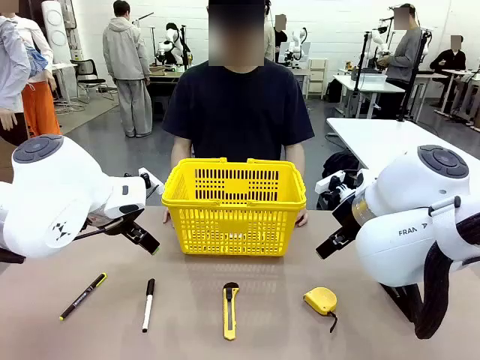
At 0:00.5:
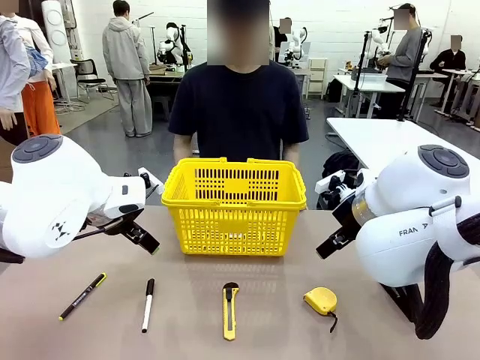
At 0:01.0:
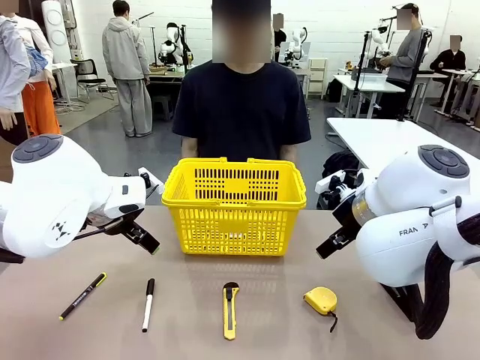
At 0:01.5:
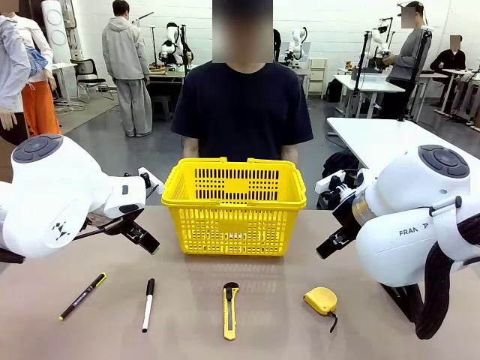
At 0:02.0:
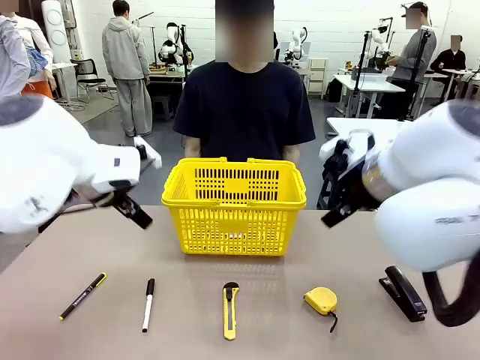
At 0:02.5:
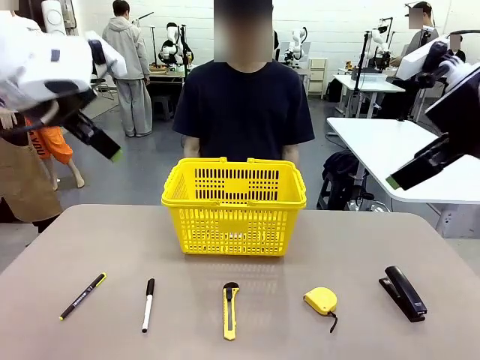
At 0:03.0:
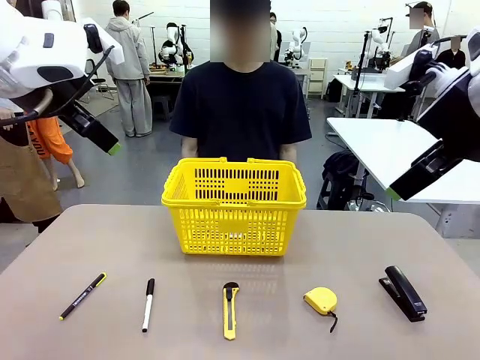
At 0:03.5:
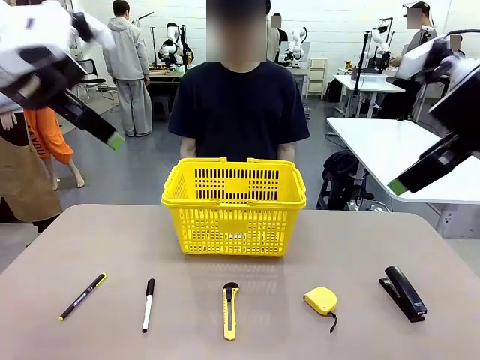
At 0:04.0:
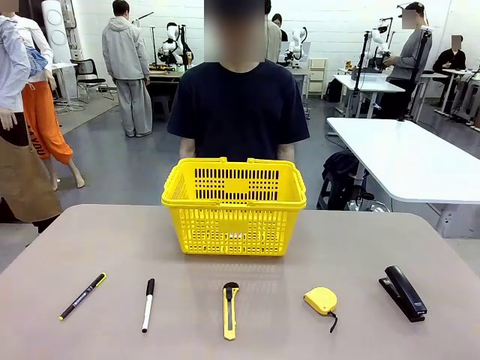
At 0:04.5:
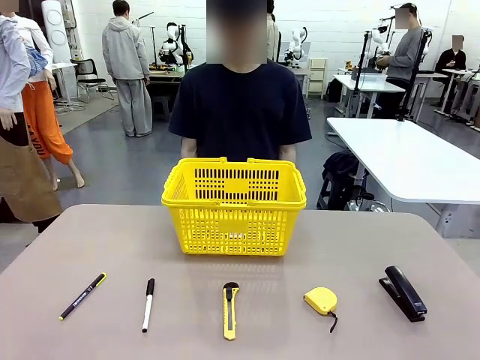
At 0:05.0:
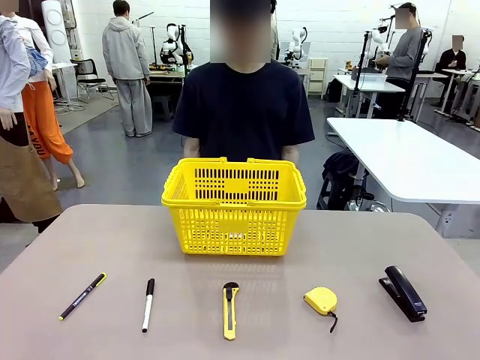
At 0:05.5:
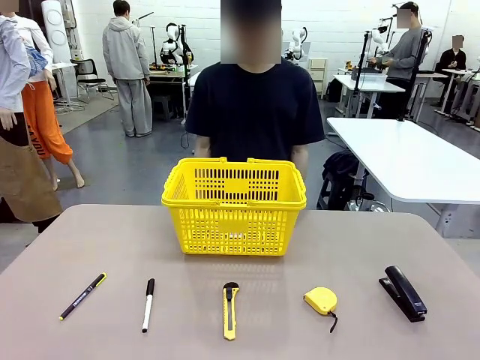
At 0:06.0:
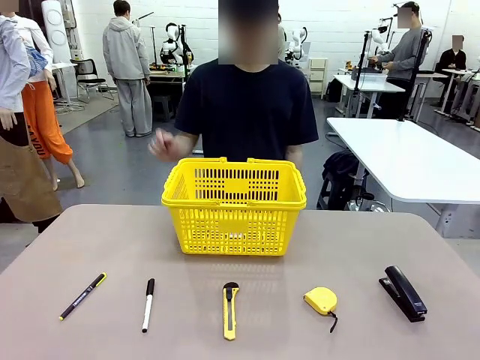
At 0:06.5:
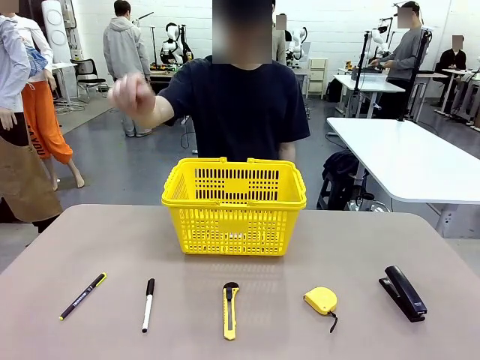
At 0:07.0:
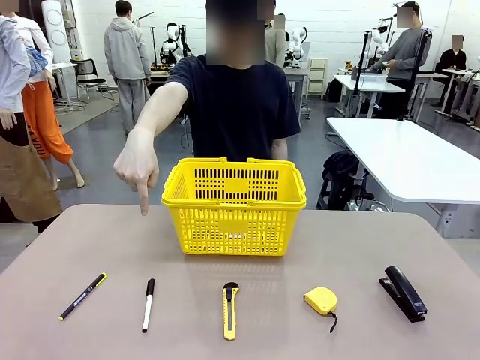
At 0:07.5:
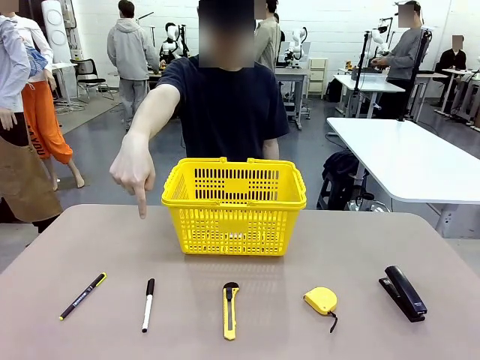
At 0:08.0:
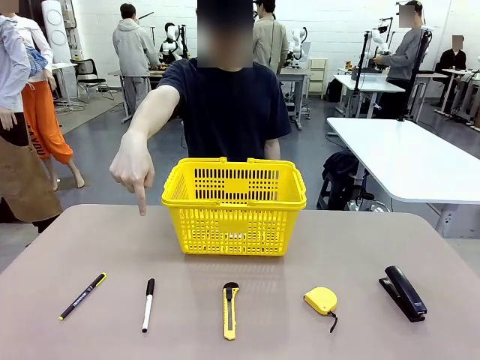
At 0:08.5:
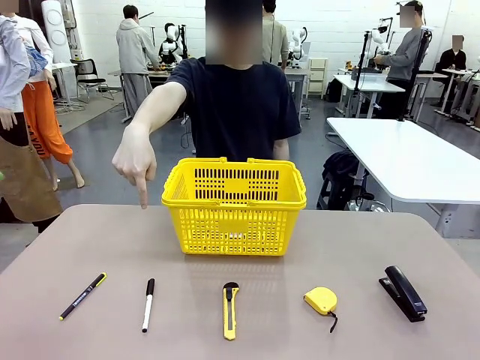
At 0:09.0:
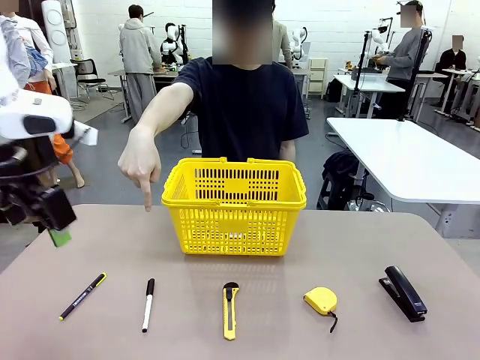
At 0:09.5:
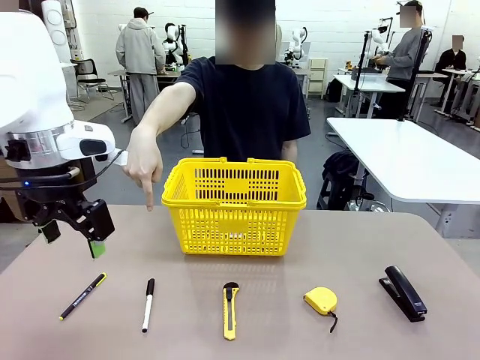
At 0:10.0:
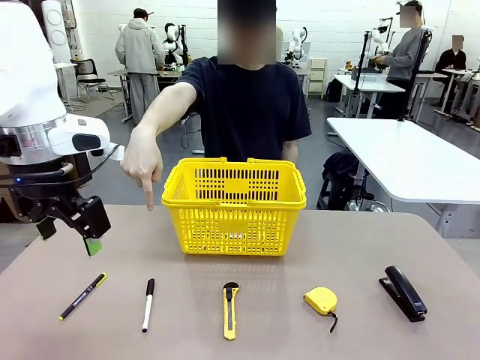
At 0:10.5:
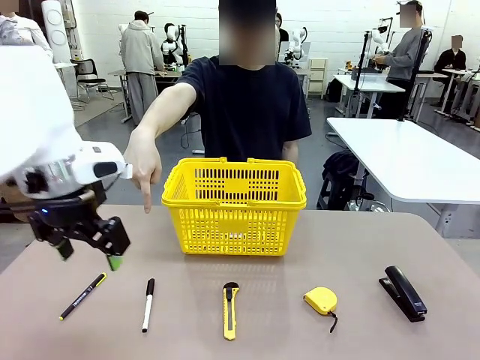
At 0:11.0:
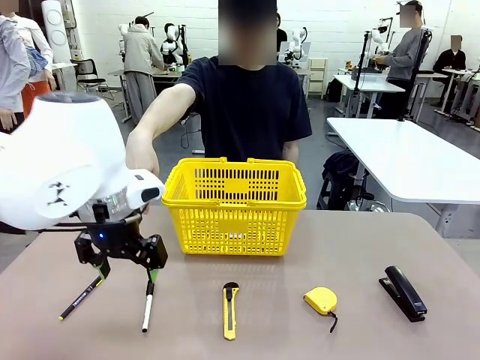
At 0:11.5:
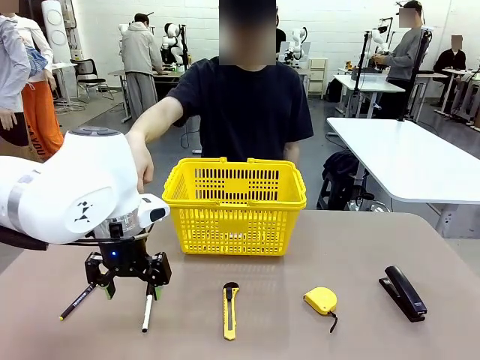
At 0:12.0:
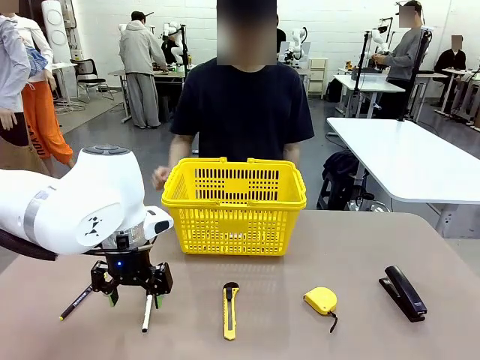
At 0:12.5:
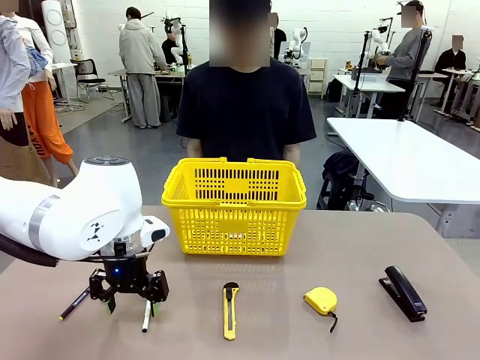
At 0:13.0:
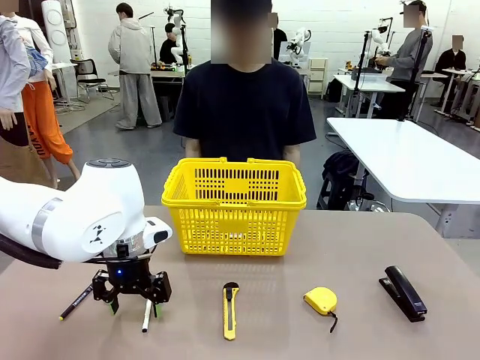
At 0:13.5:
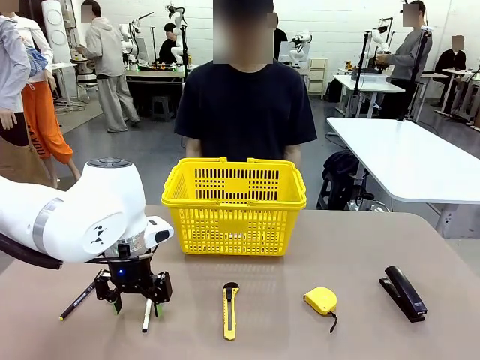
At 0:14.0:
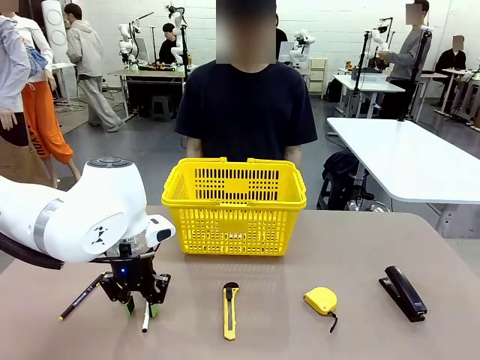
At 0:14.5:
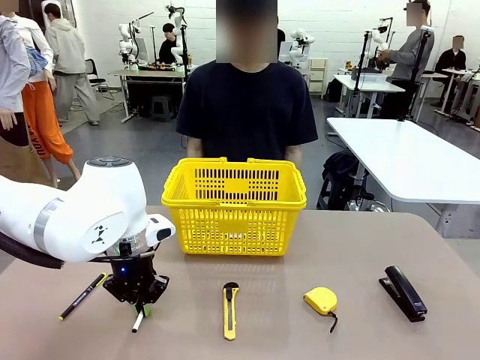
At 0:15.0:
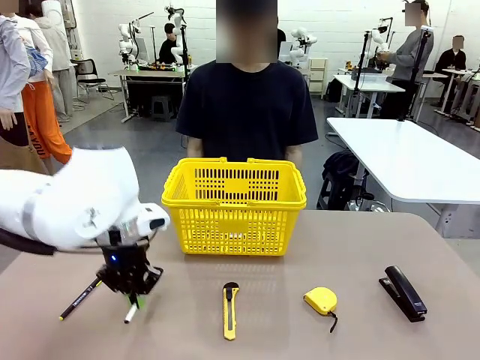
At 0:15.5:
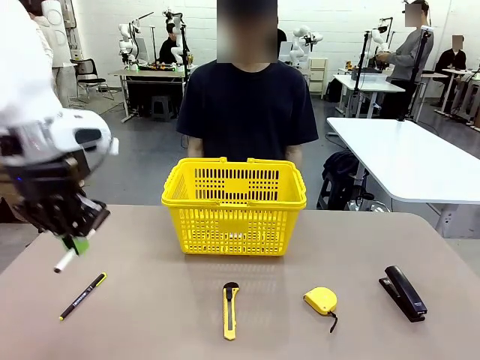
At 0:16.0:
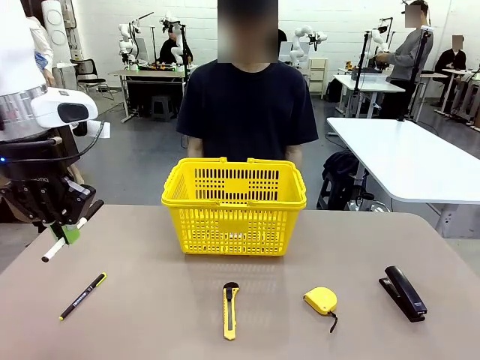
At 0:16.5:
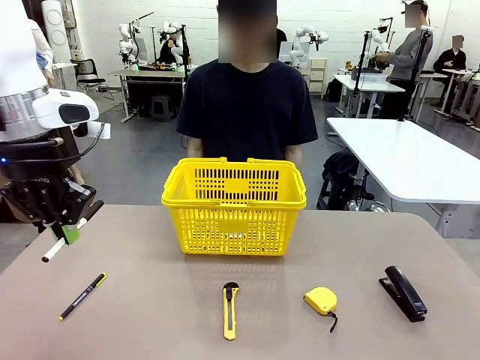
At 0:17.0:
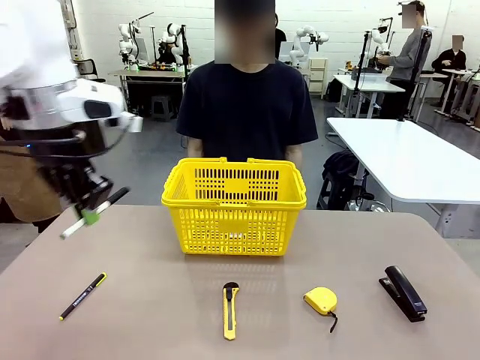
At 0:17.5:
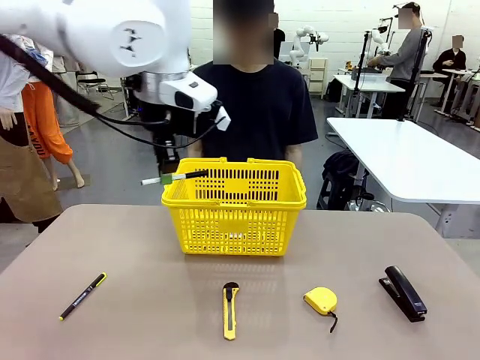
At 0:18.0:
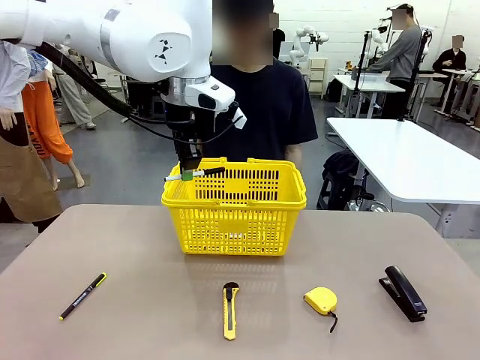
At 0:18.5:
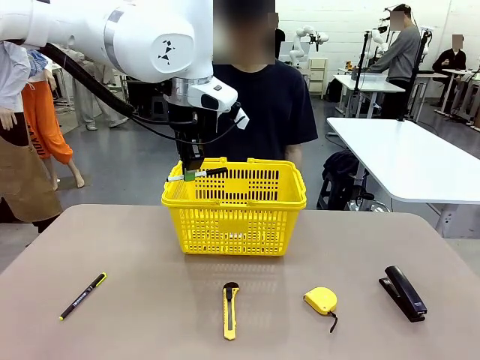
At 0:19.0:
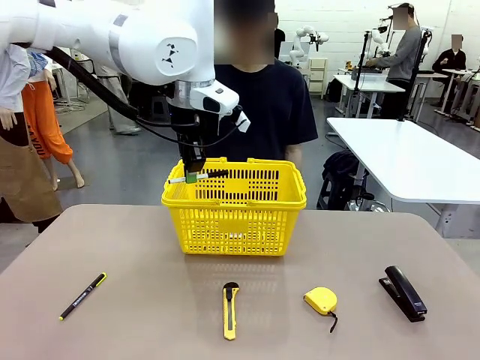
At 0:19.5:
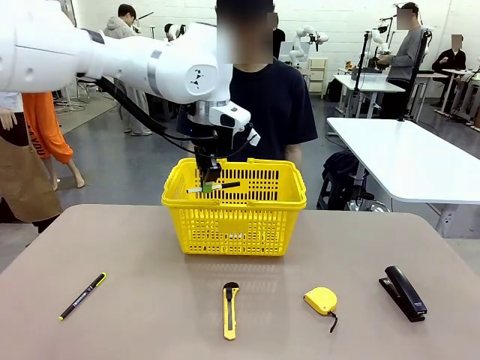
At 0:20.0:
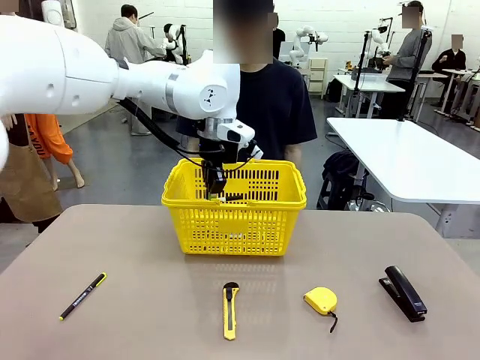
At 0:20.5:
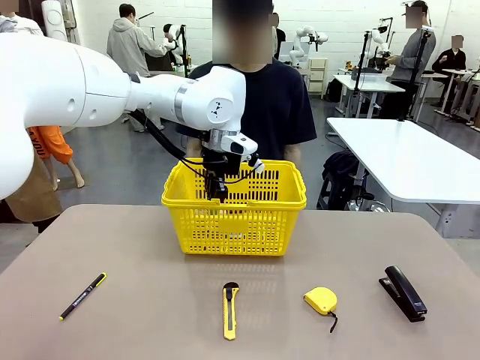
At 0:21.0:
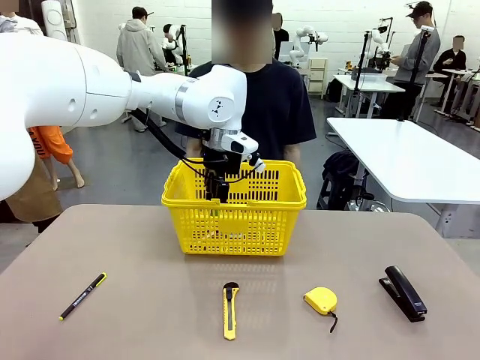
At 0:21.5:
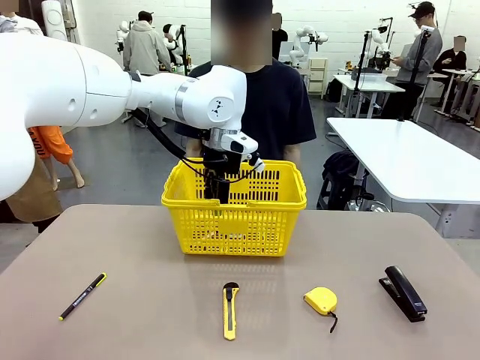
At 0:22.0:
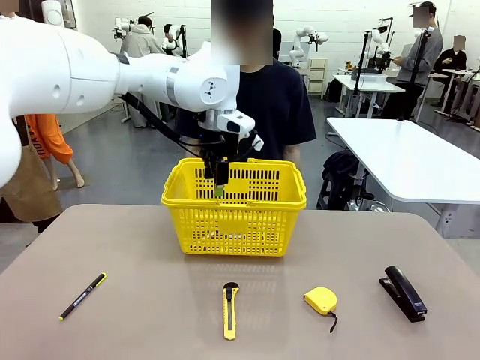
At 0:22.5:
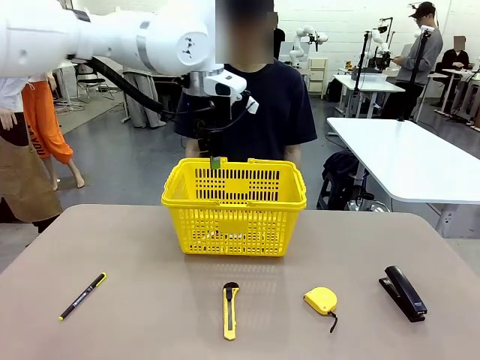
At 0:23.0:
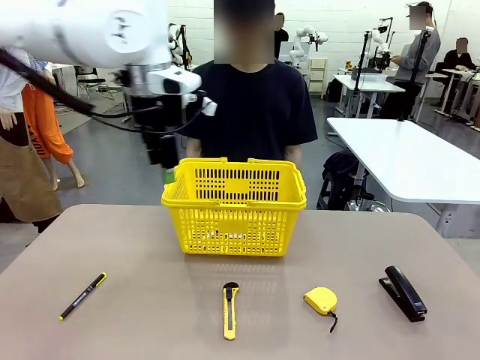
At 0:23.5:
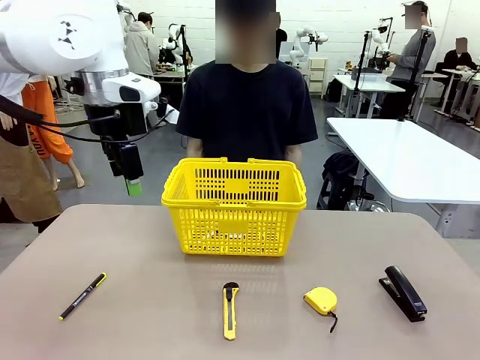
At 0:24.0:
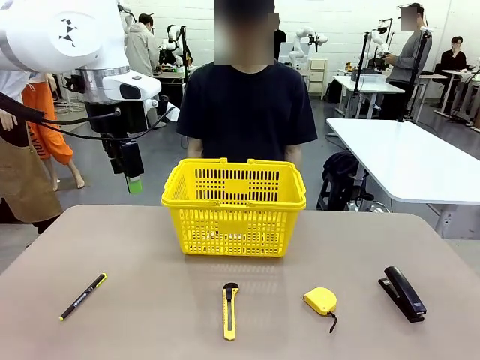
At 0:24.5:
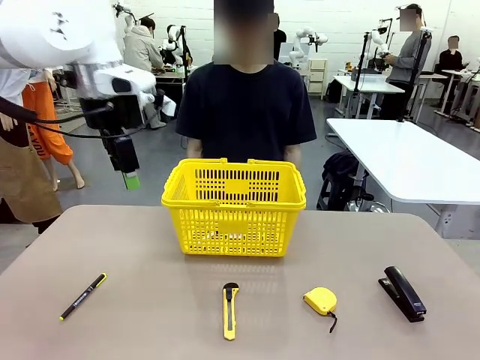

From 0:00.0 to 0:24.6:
Task: Place the items the person wants into the basket.
Robot: Pick up the item the person points to and place it in the Market Basket.
